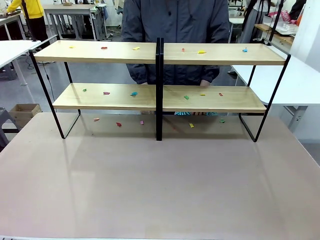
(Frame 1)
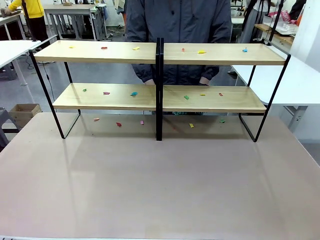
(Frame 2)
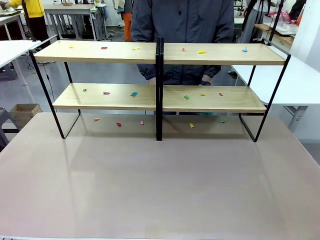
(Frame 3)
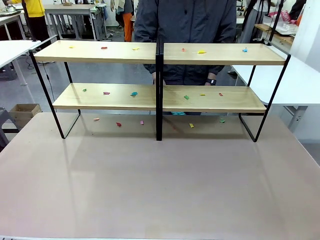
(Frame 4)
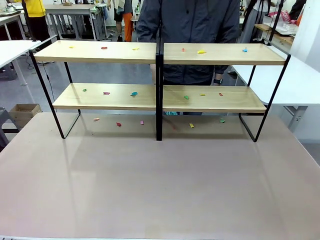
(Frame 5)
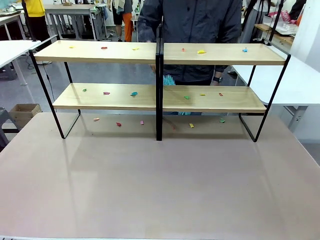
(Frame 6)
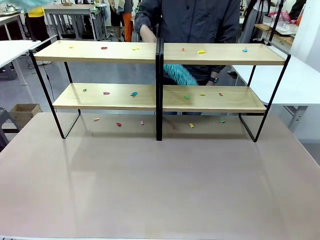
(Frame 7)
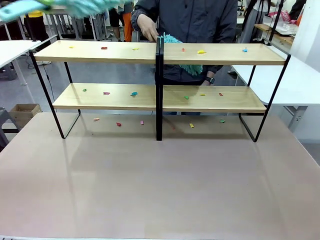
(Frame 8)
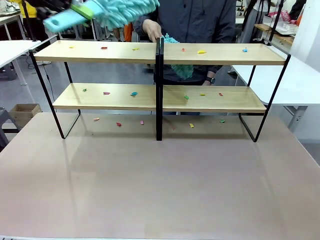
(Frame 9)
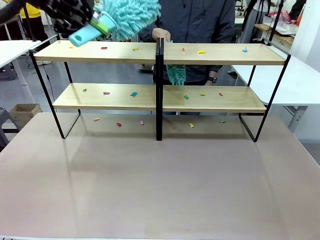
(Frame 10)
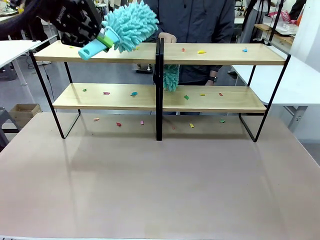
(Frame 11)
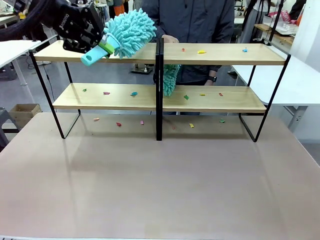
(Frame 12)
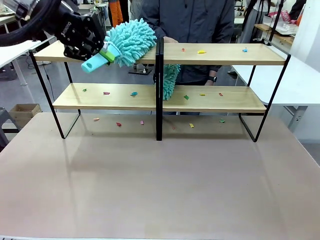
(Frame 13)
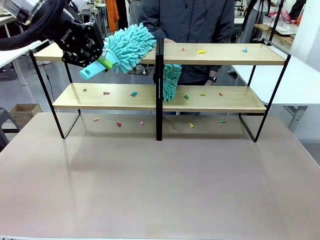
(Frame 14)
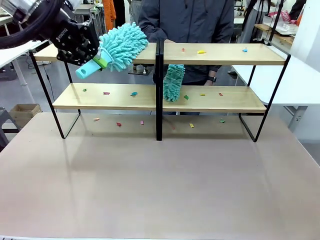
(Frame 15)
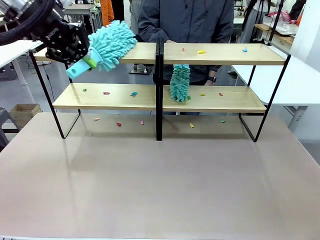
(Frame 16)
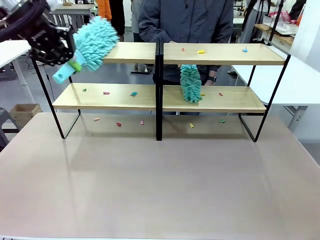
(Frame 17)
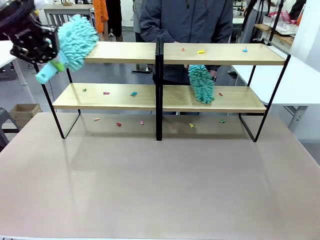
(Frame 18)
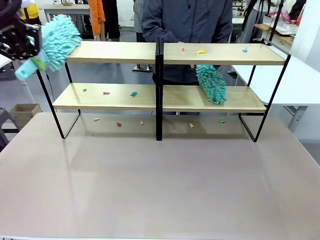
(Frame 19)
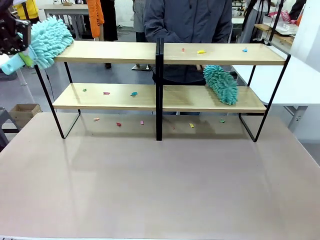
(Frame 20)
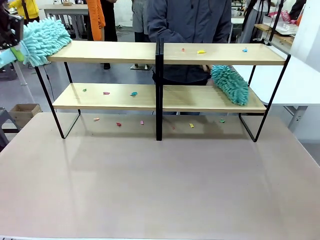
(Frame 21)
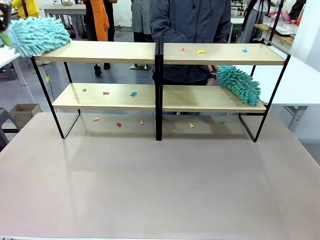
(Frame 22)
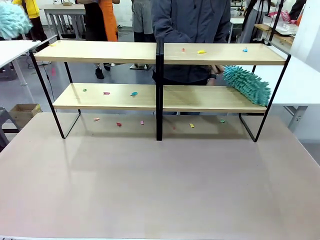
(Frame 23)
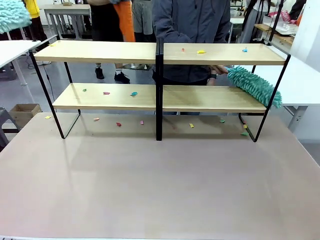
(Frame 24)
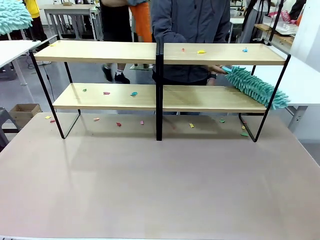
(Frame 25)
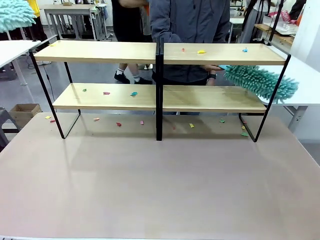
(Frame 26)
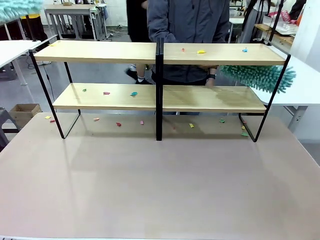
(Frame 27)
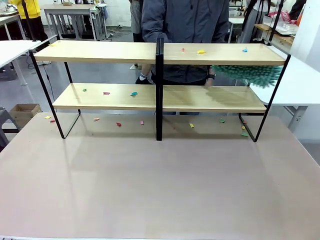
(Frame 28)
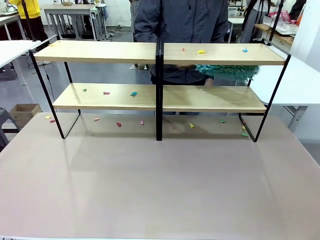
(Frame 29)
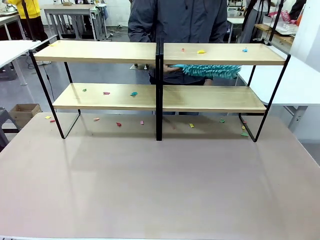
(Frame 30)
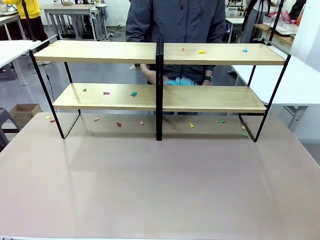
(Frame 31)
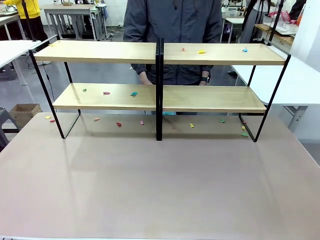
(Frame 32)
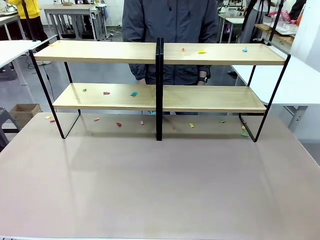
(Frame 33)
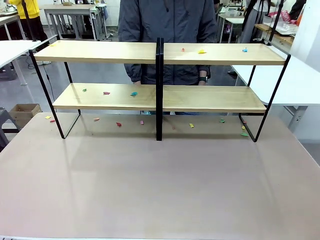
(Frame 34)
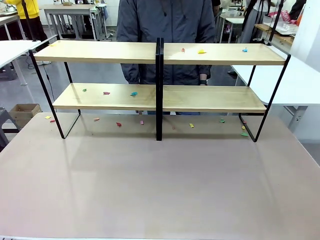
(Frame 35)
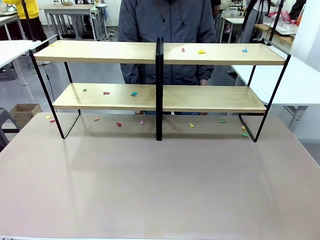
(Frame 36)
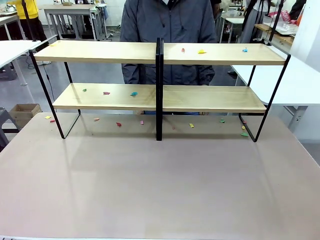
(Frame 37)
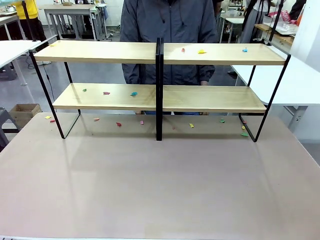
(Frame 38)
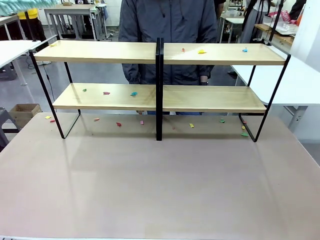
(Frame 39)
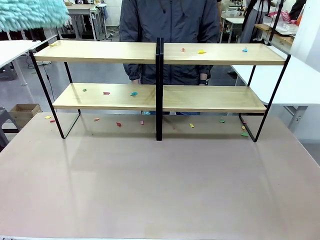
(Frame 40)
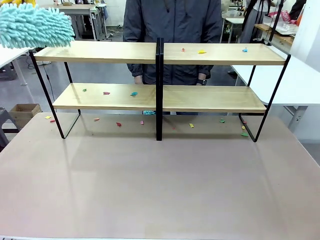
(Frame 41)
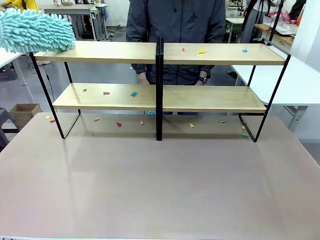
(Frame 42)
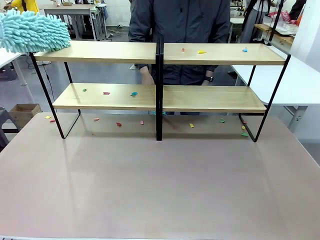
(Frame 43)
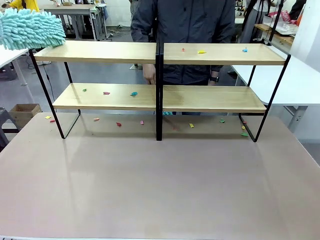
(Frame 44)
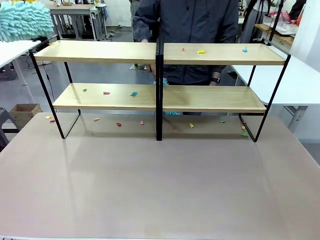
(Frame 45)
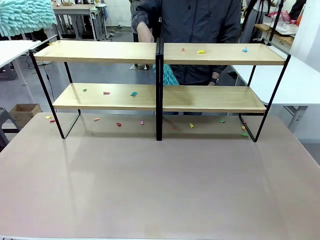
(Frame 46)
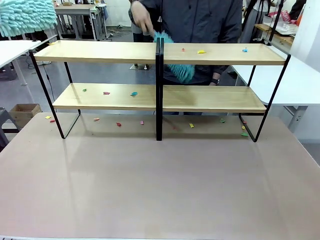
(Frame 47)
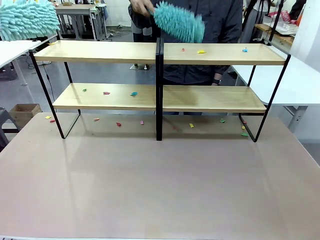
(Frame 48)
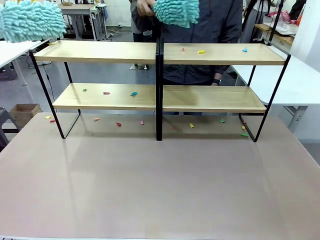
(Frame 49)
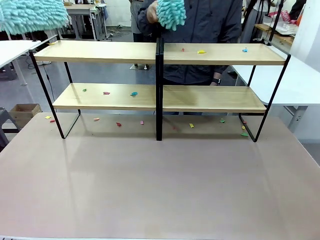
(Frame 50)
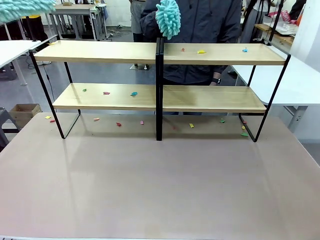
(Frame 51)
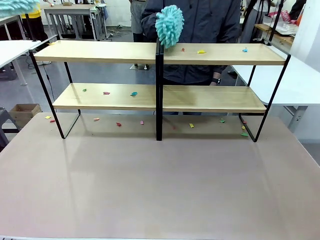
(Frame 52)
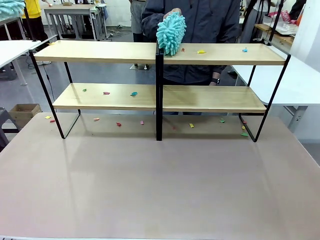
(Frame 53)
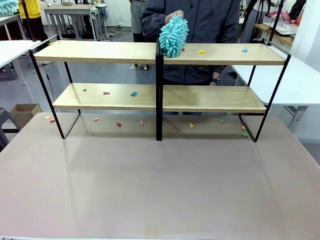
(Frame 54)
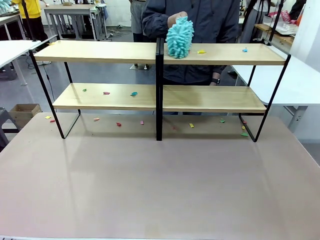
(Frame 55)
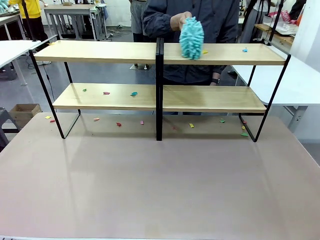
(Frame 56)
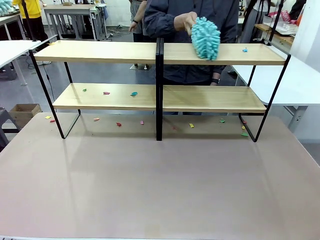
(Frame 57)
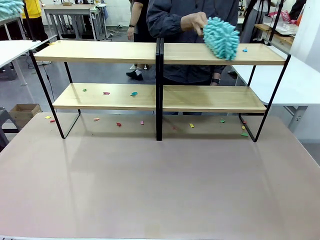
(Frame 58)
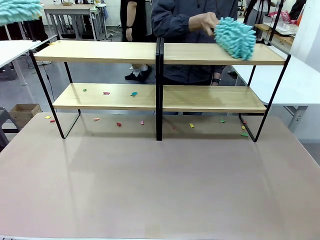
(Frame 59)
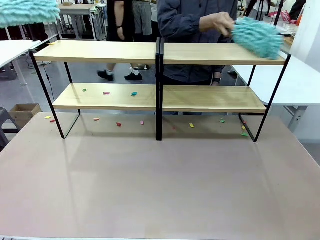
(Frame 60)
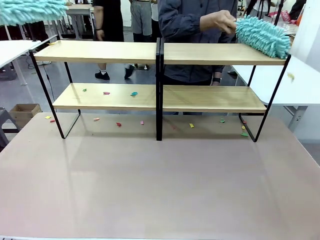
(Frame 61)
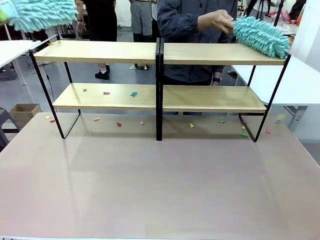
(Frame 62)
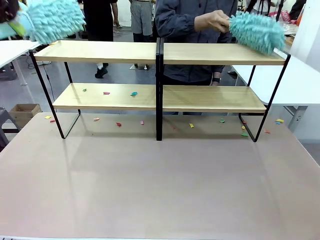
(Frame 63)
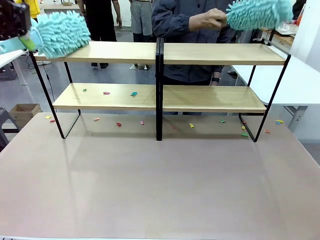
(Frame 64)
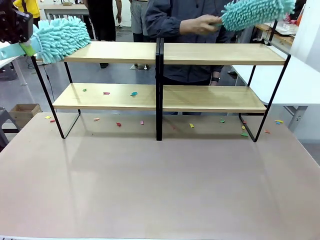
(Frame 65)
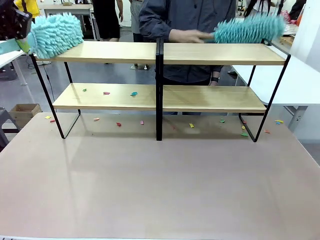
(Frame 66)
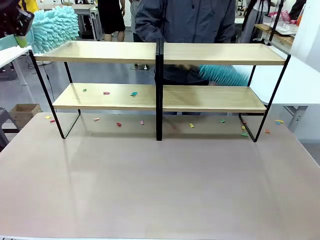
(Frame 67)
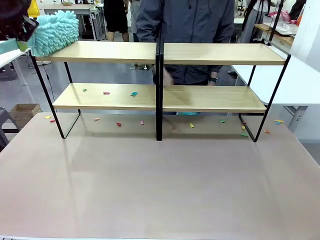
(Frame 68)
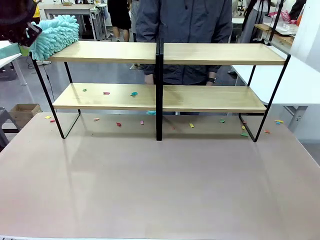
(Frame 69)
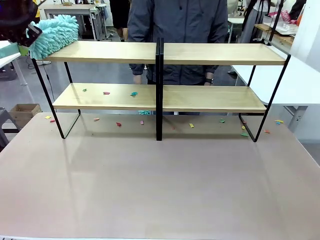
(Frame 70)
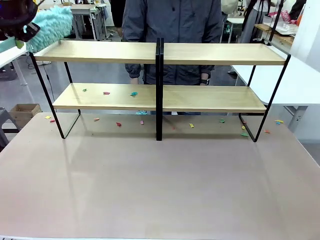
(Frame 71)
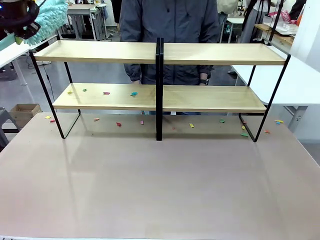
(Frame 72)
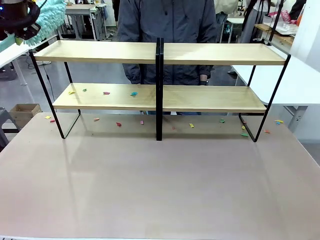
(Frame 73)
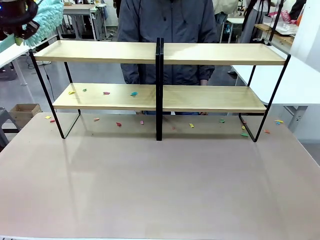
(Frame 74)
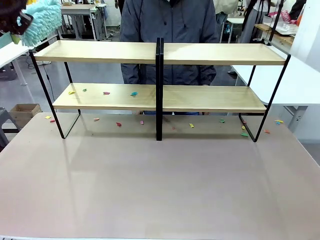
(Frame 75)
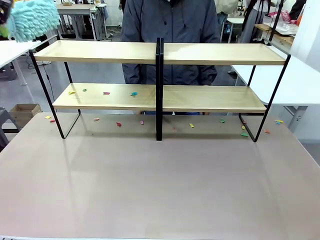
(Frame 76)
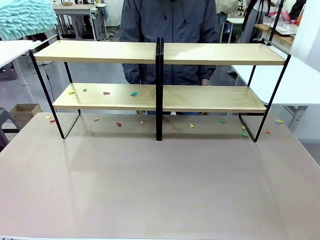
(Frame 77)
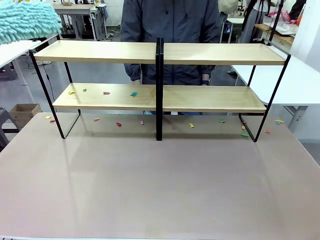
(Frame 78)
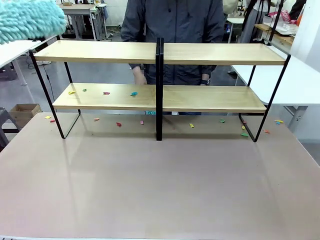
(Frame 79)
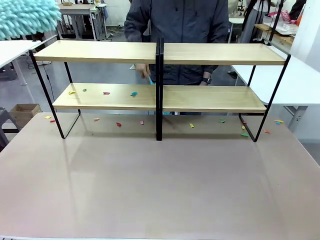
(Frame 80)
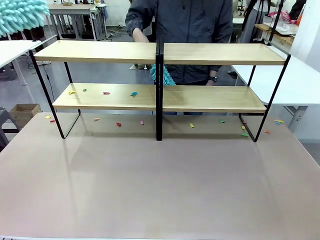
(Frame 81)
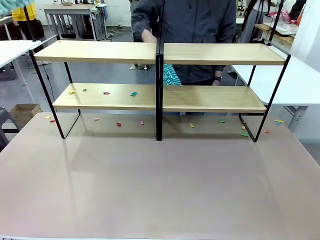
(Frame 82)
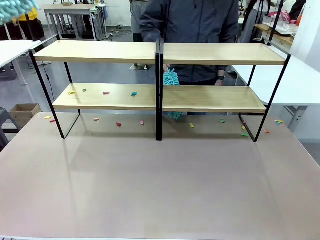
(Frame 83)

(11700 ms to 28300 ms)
Task: Clean the shelves.
Robot: Clean a randomly selected level of the Shelf with the Duster.
